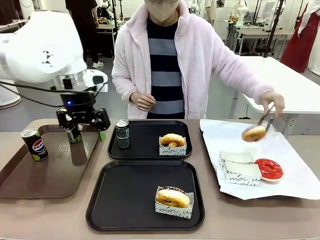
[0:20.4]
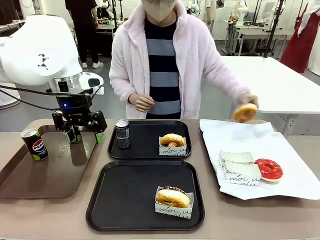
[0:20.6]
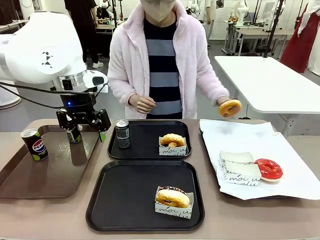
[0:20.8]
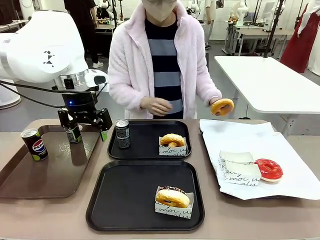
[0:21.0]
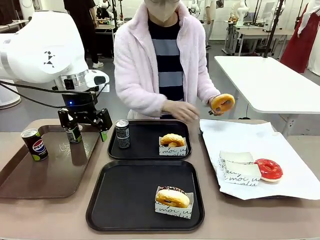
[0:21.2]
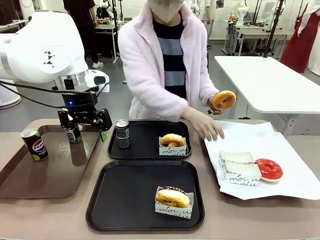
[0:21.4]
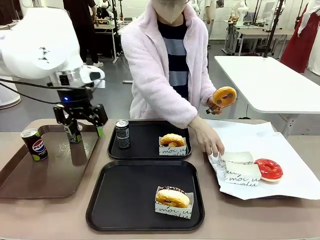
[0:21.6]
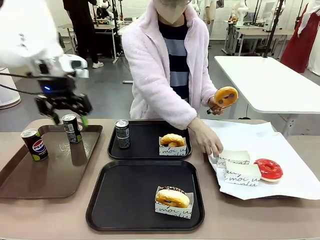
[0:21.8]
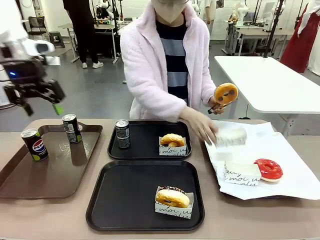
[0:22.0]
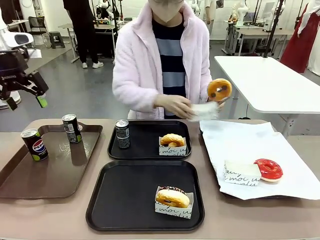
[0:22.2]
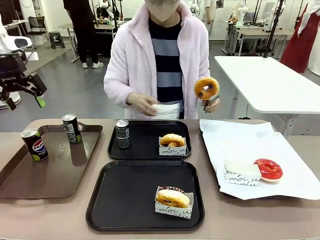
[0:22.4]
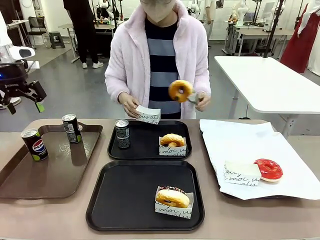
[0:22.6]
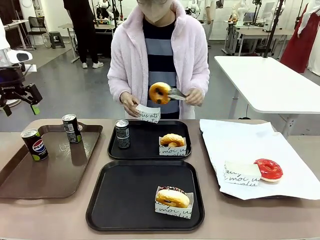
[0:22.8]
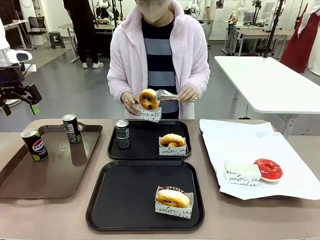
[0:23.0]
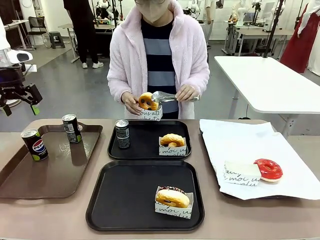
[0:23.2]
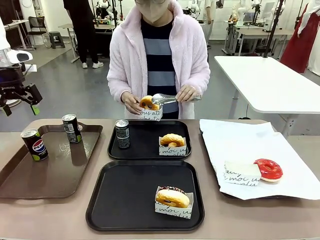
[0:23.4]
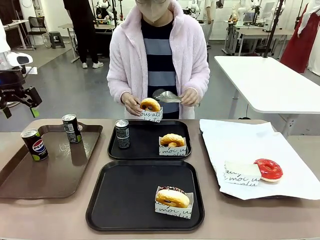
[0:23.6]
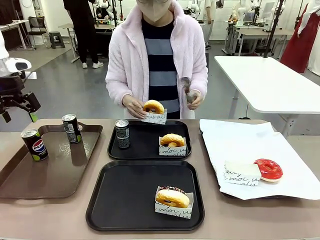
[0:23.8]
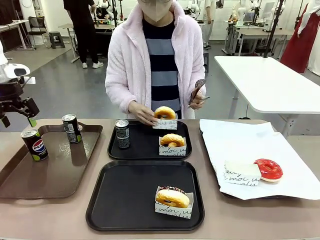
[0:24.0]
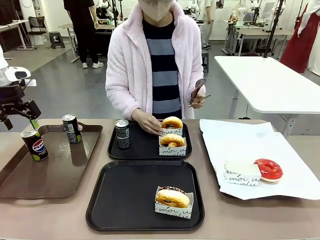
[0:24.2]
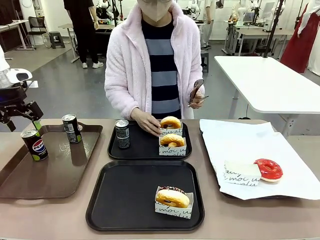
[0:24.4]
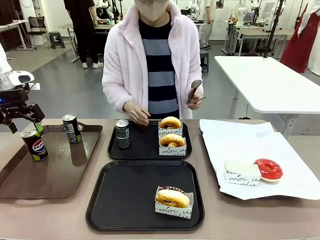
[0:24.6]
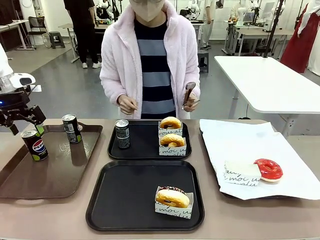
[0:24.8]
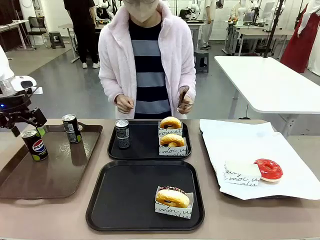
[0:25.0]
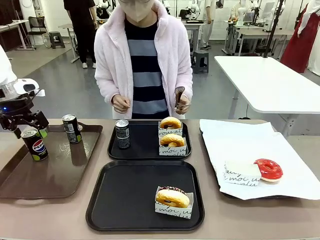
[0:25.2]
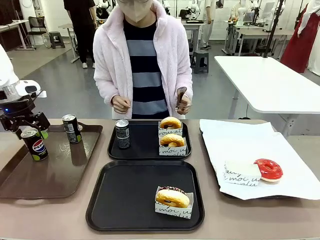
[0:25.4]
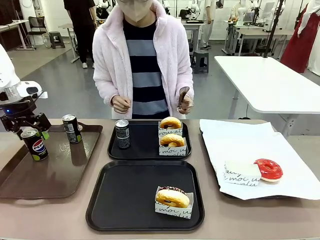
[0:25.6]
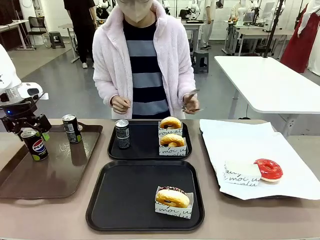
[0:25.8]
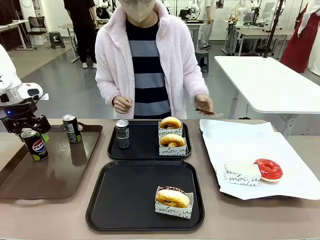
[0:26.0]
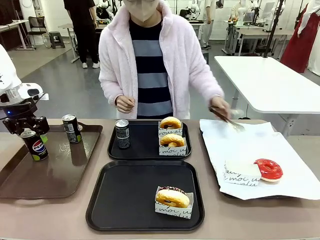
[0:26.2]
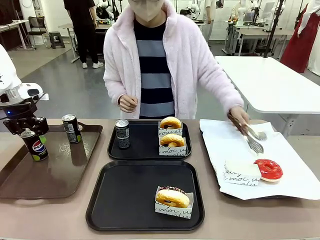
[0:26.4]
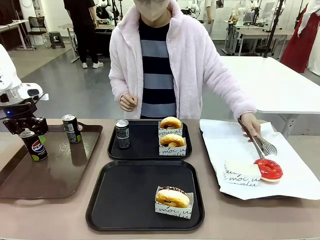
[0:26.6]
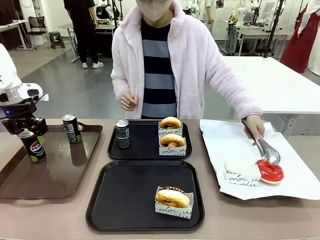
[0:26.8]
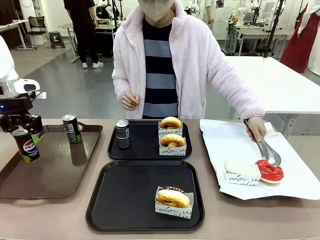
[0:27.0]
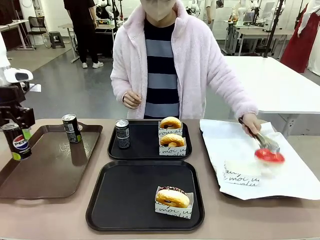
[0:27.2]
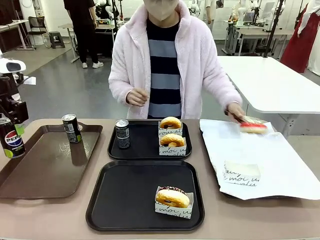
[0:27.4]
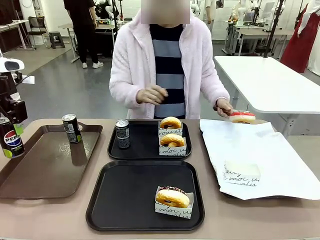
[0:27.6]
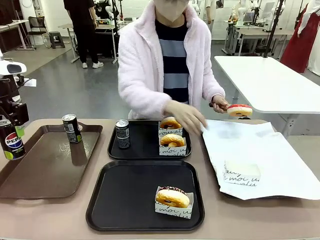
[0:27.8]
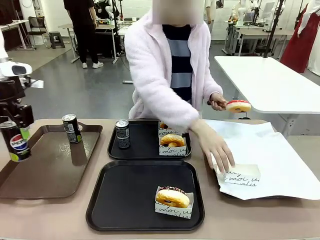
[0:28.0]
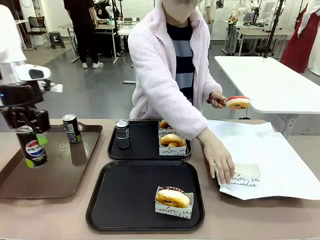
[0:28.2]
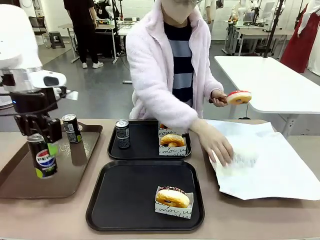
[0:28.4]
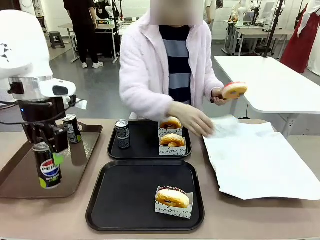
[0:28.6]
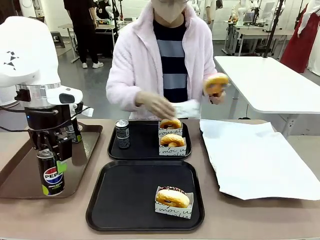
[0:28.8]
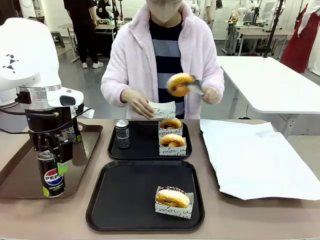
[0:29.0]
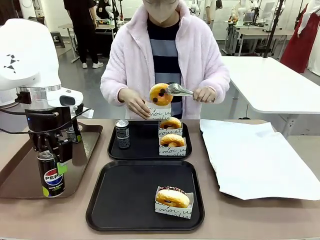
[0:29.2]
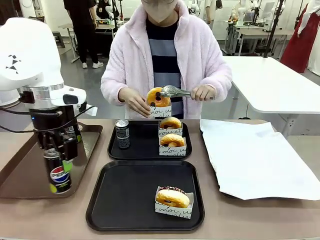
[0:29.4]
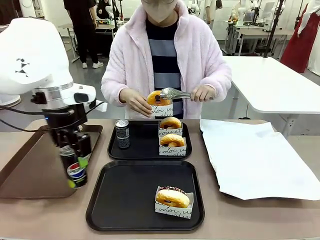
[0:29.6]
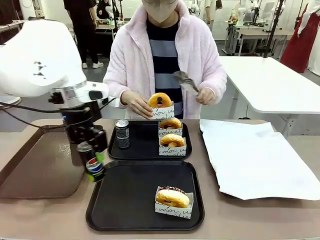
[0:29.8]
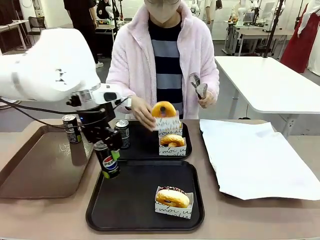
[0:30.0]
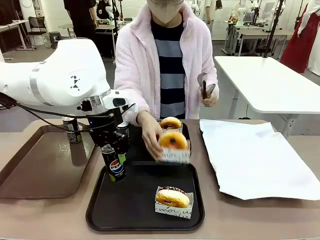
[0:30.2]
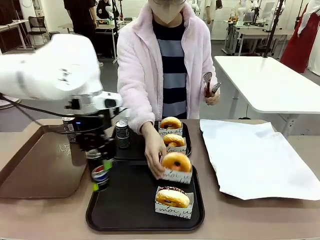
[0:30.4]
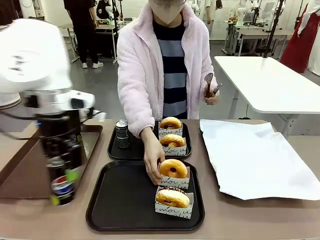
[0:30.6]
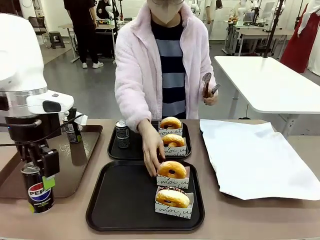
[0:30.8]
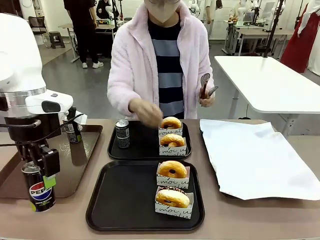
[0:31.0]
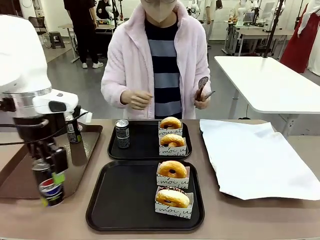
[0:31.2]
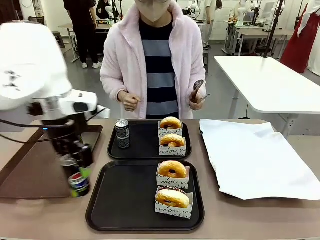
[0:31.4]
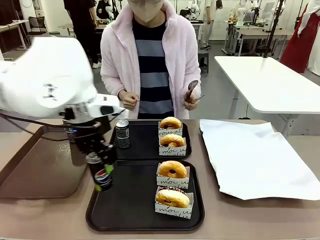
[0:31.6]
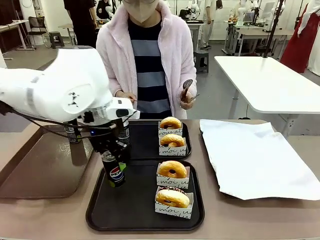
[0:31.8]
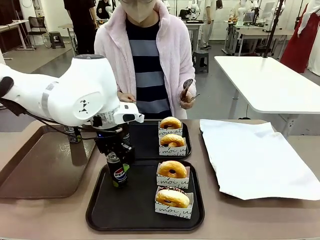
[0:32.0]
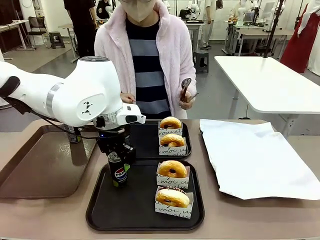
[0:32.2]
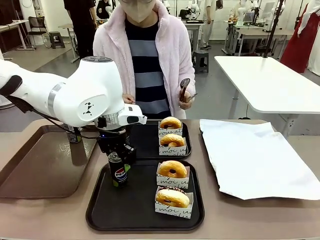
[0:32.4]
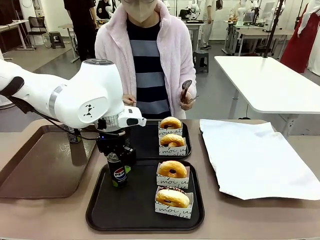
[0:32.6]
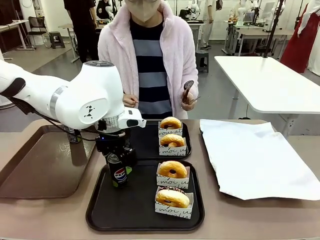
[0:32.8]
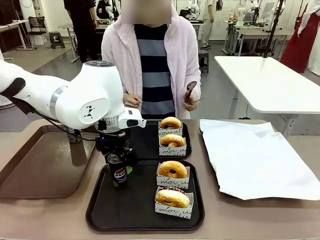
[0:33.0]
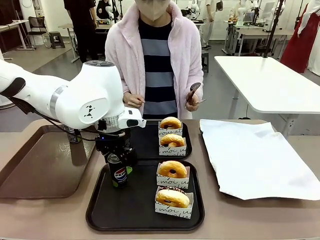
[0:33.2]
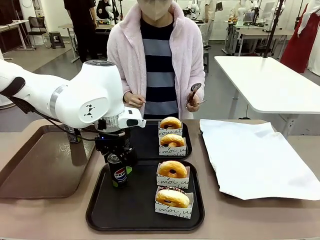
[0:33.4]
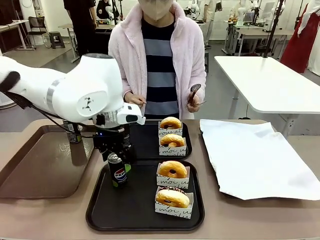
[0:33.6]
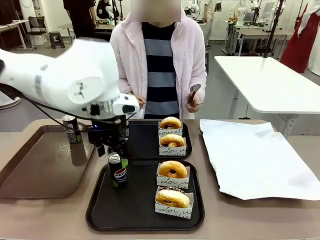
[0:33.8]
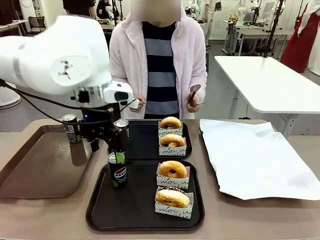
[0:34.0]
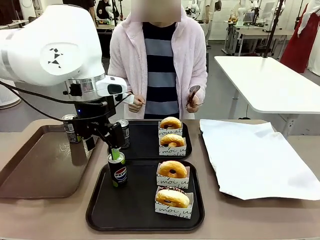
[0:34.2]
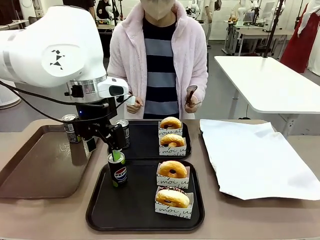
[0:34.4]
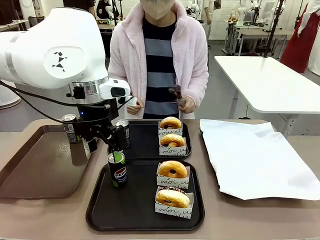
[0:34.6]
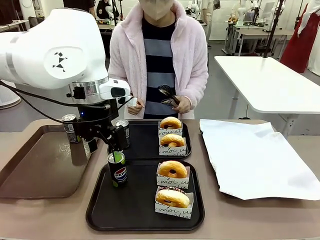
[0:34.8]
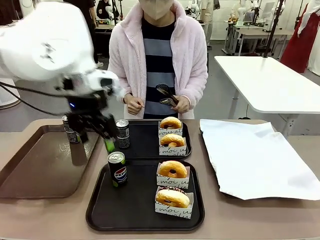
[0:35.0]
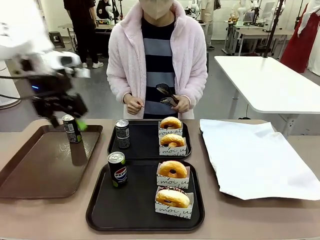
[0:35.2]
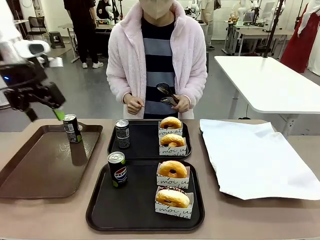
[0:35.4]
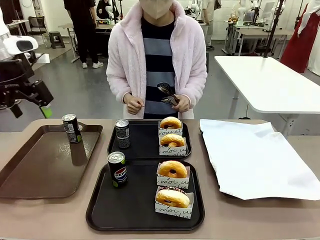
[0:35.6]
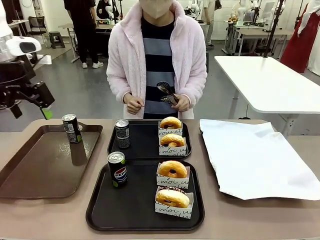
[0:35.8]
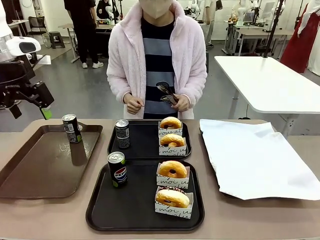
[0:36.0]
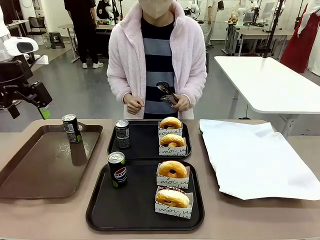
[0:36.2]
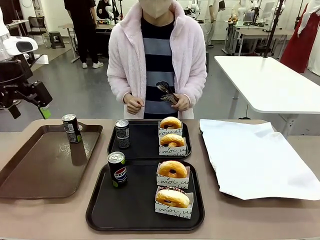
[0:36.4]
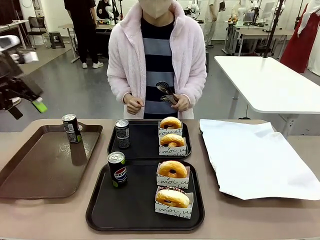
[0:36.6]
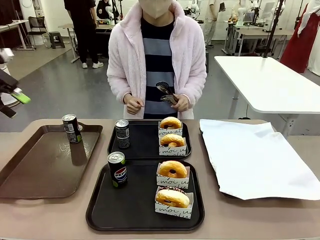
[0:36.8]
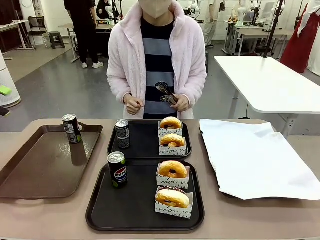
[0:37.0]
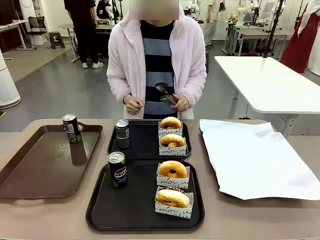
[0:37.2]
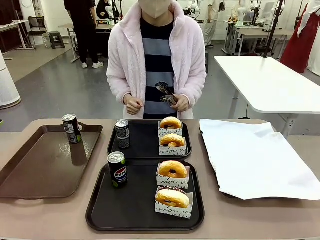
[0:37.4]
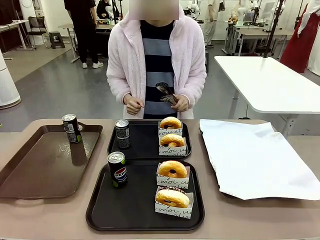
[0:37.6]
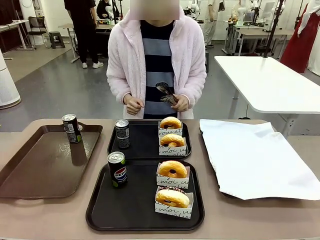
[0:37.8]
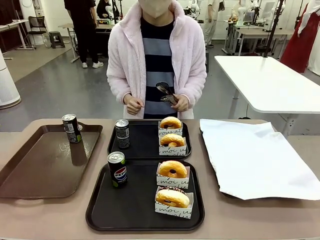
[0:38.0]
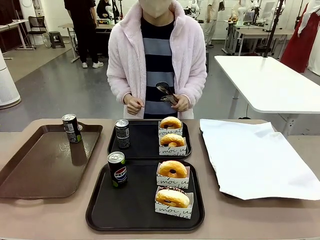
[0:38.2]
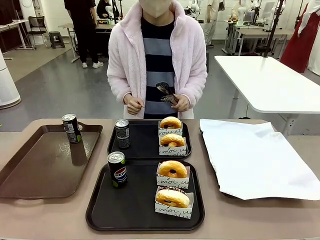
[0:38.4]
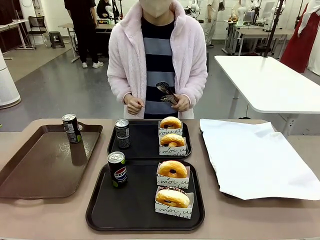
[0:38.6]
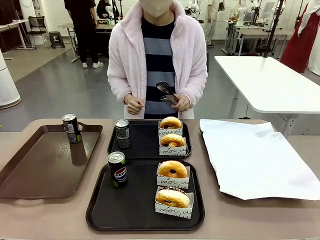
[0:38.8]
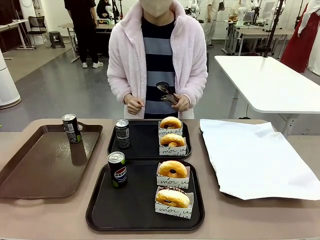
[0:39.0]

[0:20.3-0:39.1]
Task: Set up donuts and drinks on trays.
Robot: Pick up one Pepsi coke from the Handle tray and place it on the Flat Tray without a Pepsi coke.
